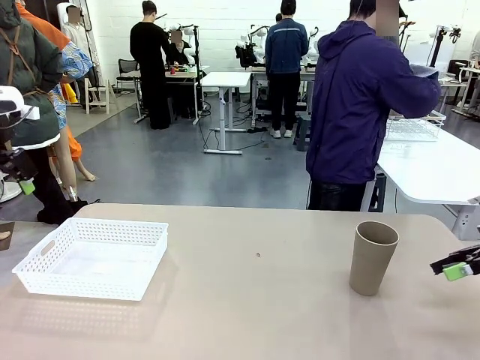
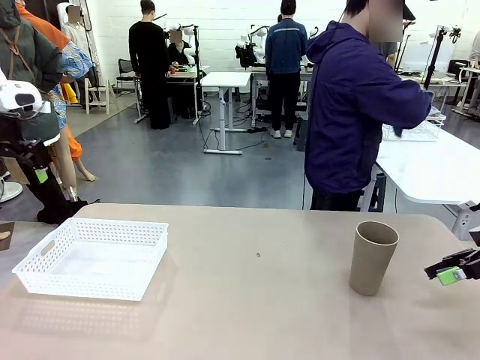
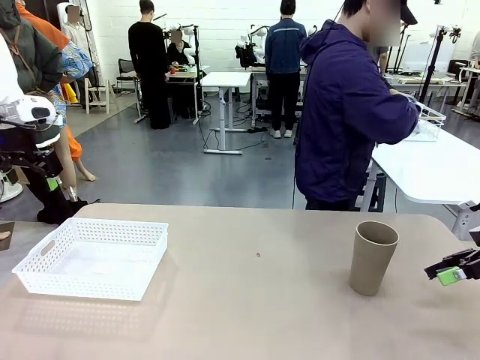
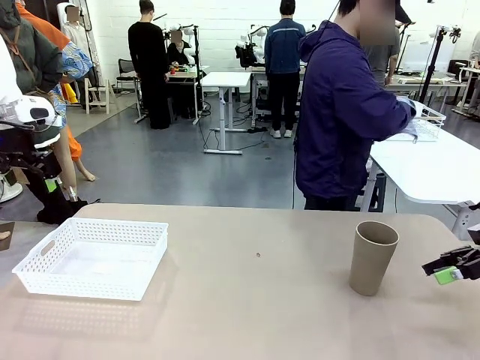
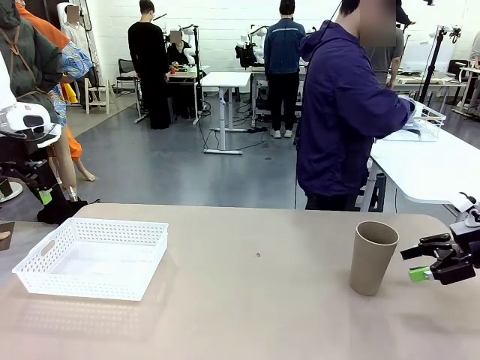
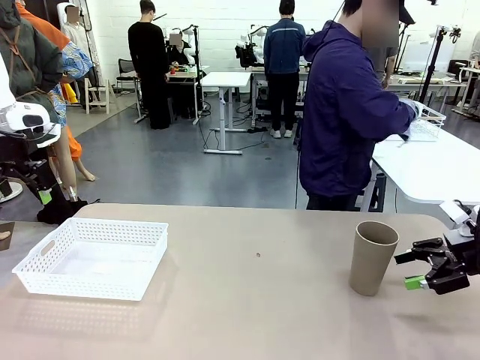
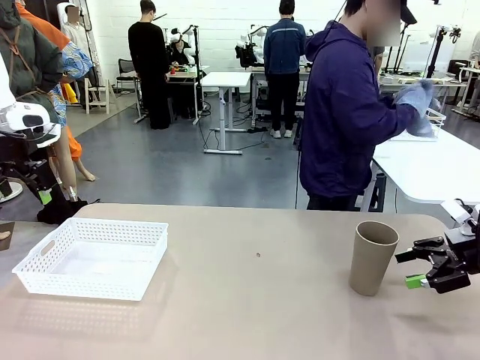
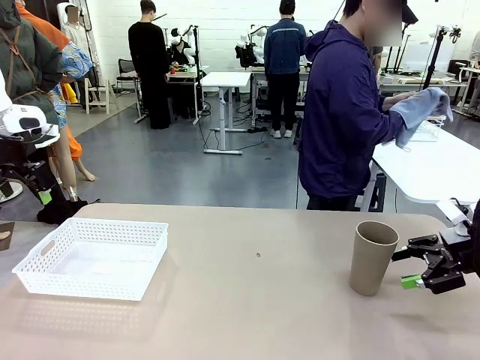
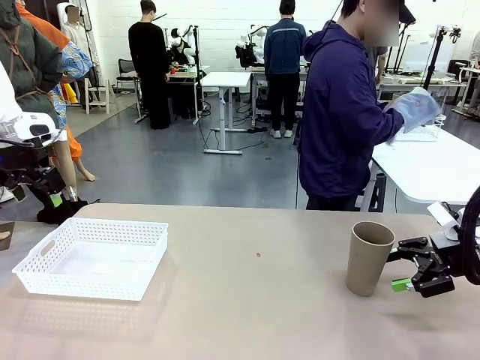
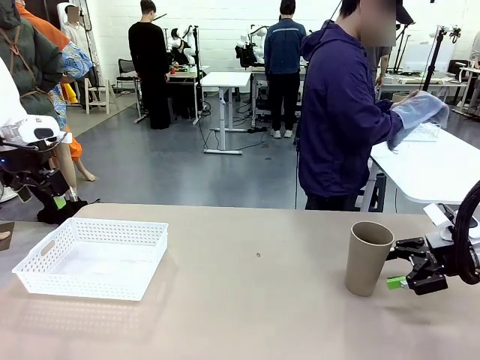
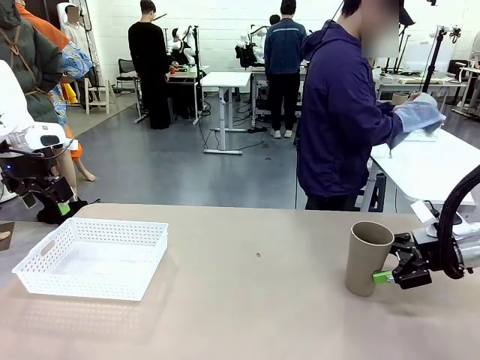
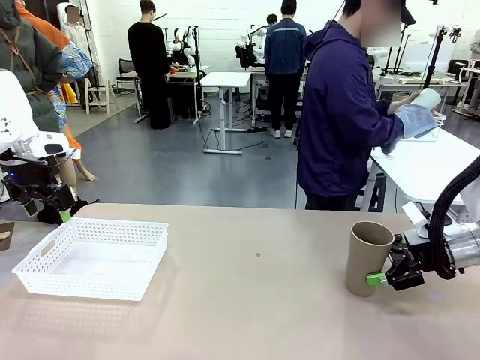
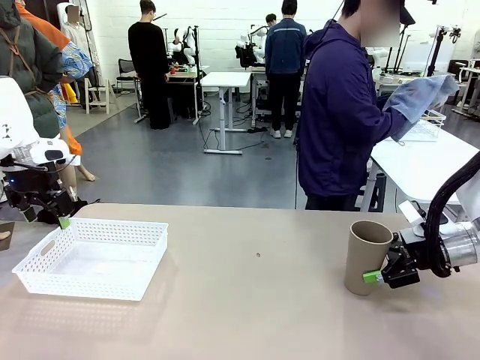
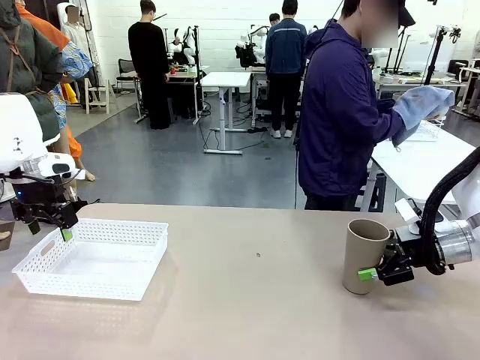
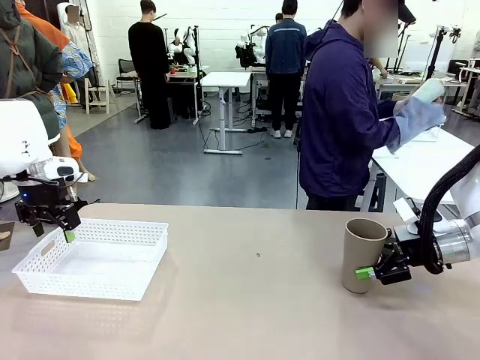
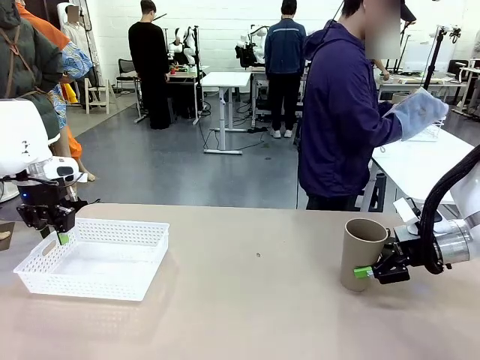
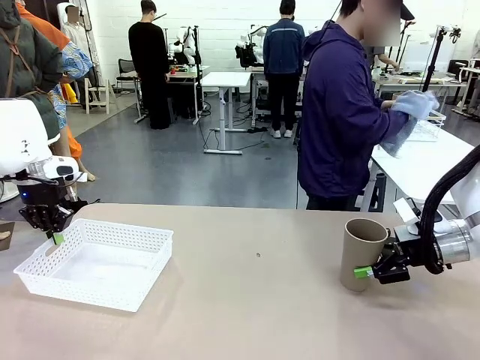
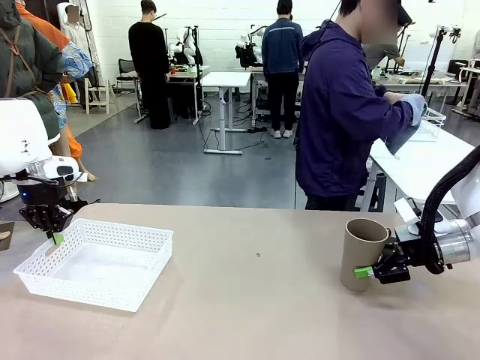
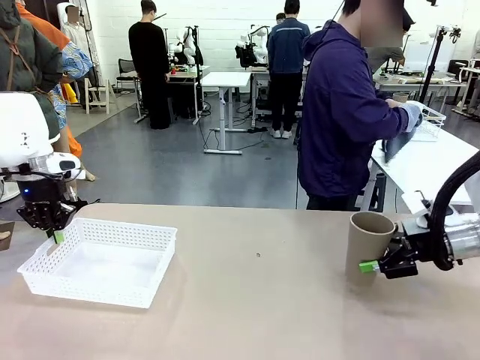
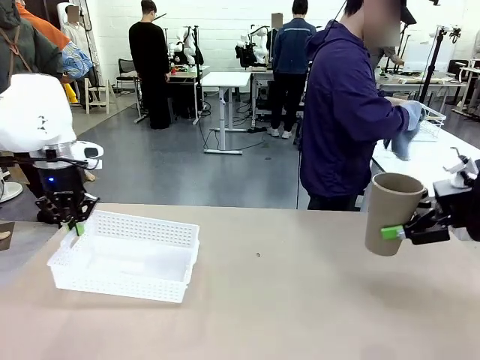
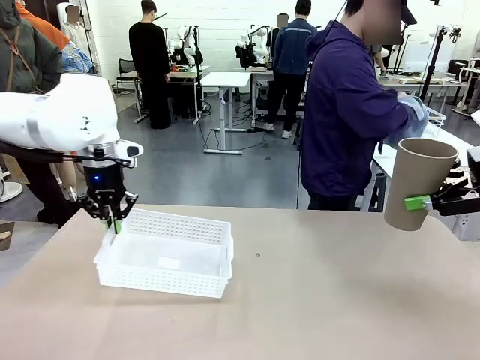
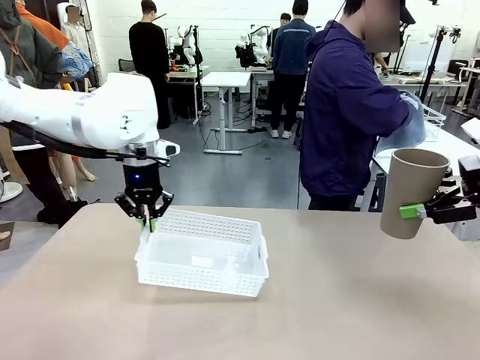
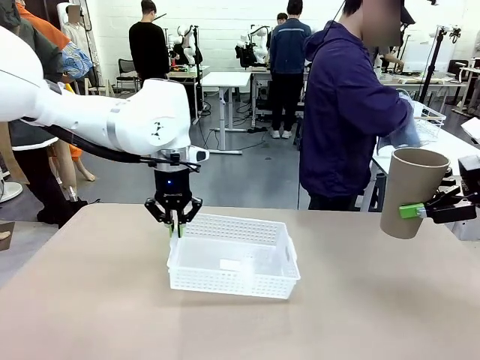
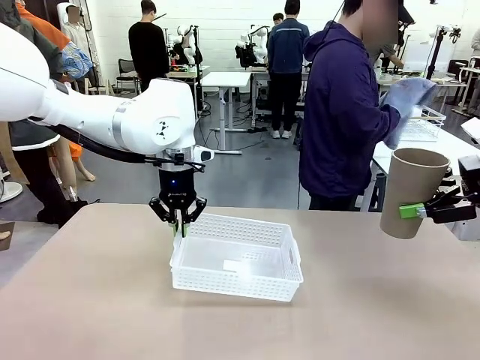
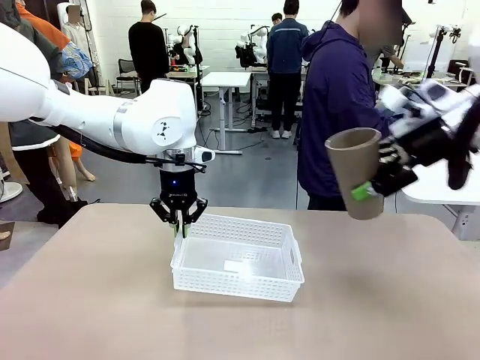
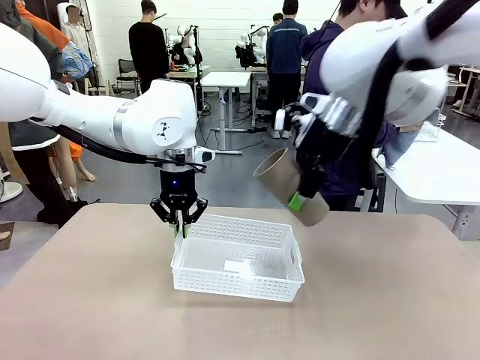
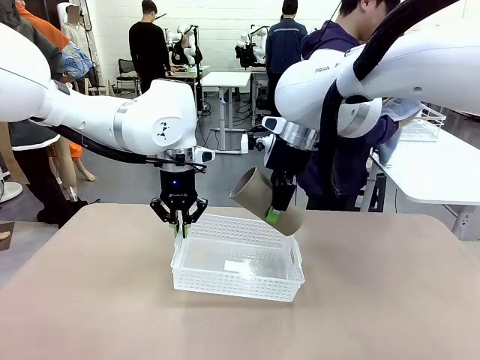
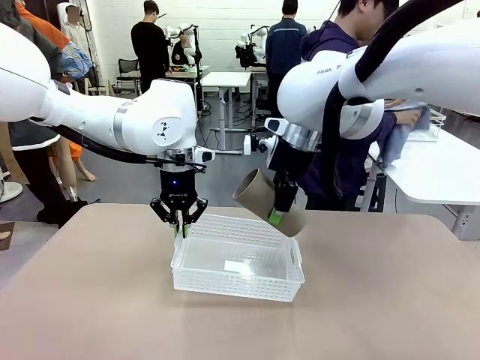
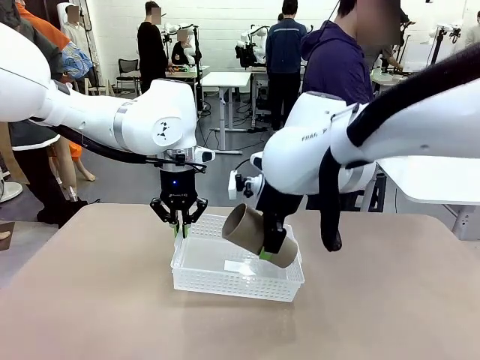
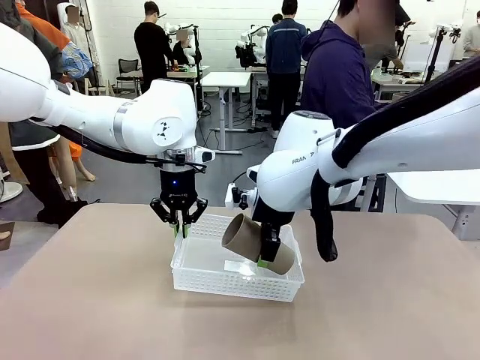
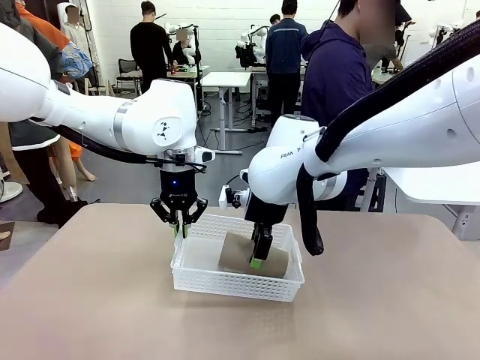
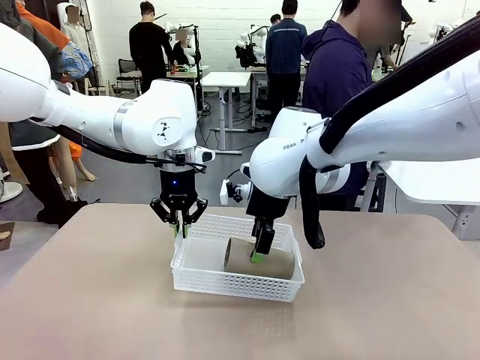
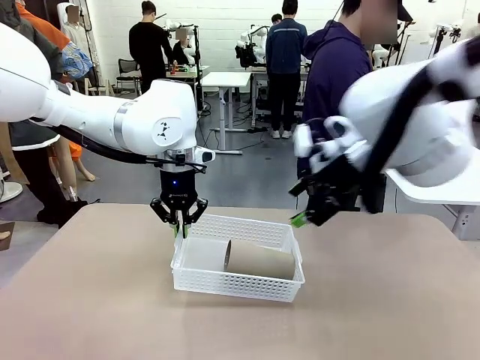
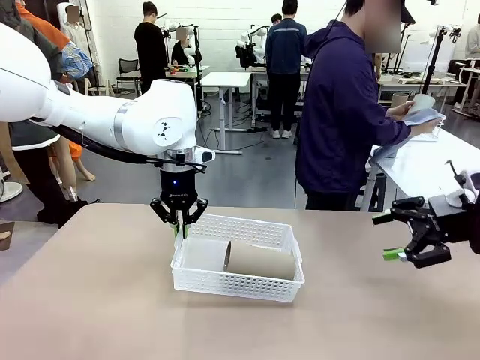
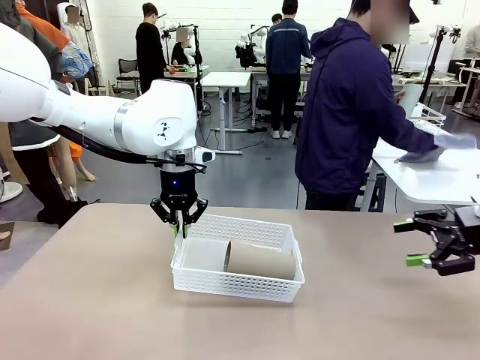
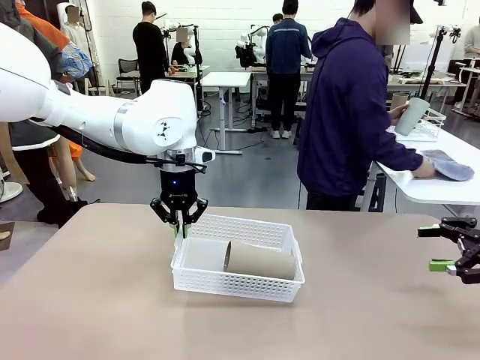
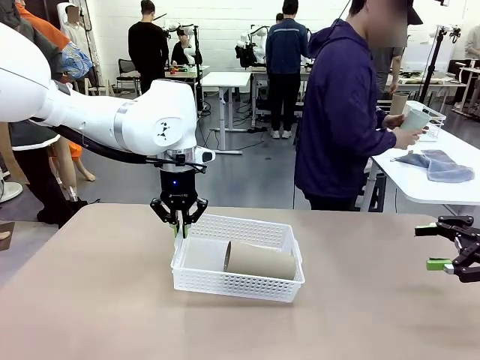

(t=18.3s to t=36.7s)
Task: Clean and organize the cups into the basket.
Robot: Pick up the Organizing basket and move it to the center of the table, then pick up the Reusable plastic cup from the right side of the table and place it inside the Organizing basket.
